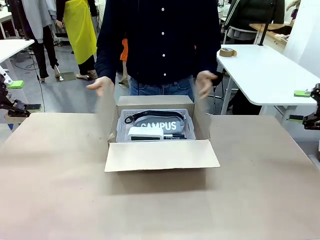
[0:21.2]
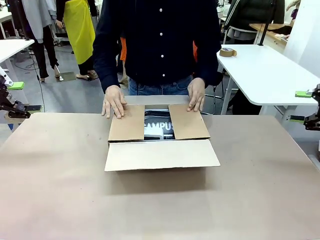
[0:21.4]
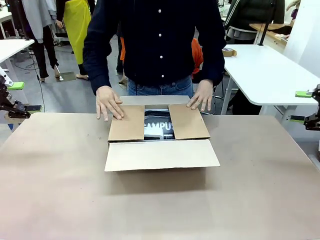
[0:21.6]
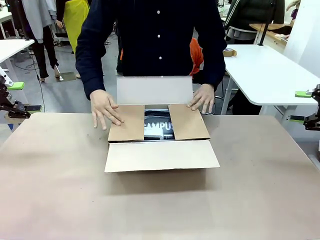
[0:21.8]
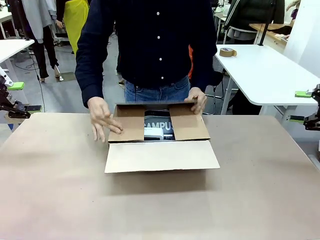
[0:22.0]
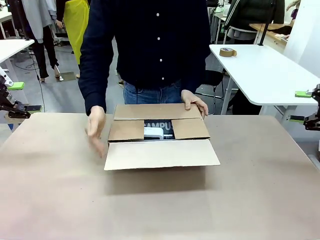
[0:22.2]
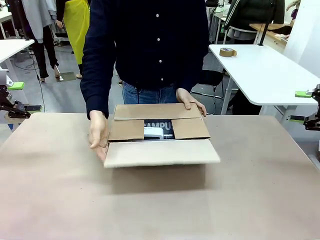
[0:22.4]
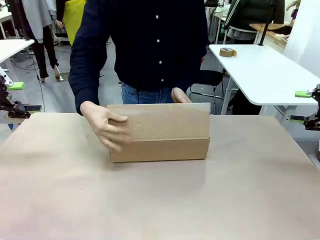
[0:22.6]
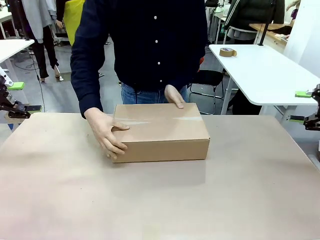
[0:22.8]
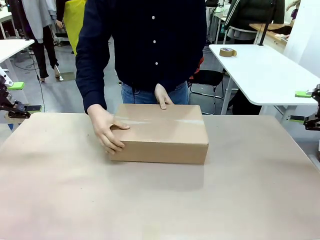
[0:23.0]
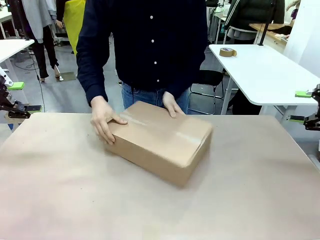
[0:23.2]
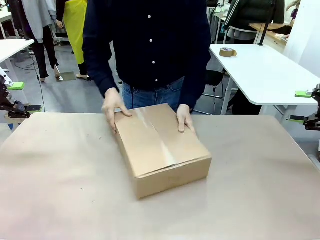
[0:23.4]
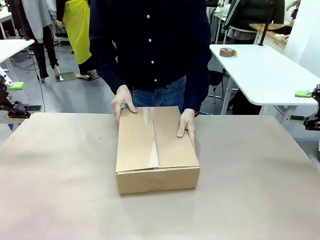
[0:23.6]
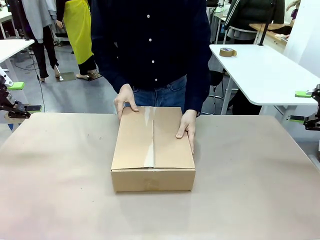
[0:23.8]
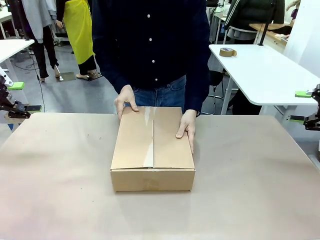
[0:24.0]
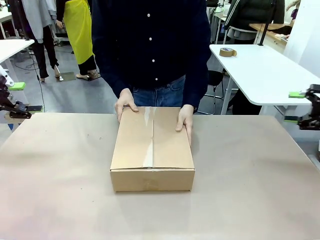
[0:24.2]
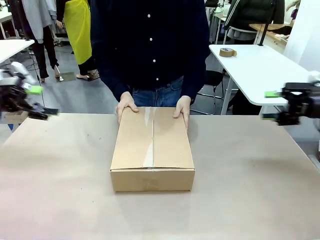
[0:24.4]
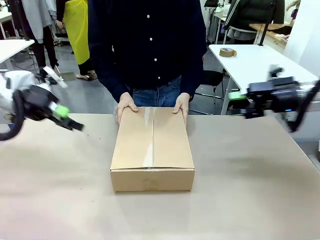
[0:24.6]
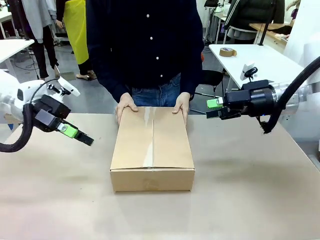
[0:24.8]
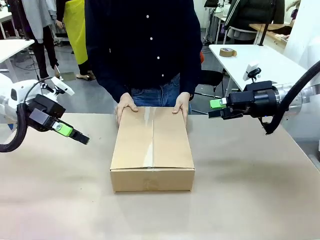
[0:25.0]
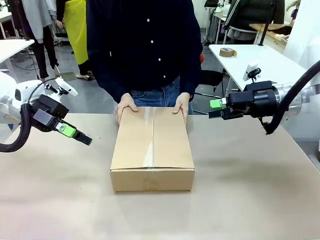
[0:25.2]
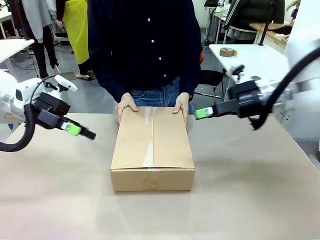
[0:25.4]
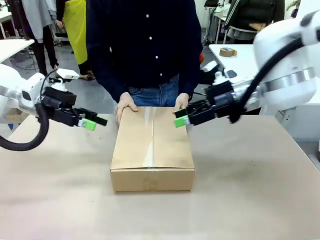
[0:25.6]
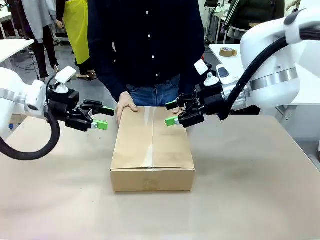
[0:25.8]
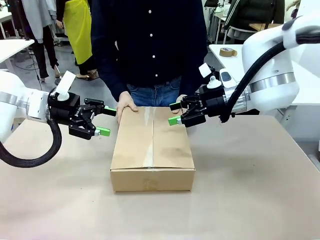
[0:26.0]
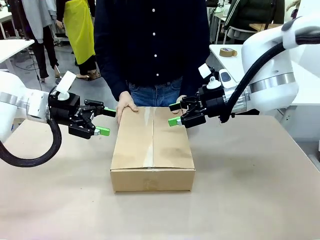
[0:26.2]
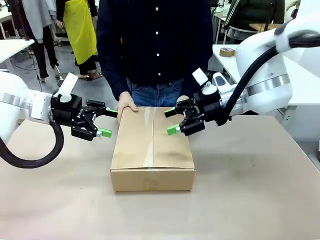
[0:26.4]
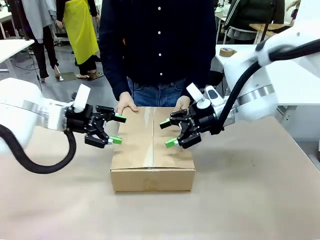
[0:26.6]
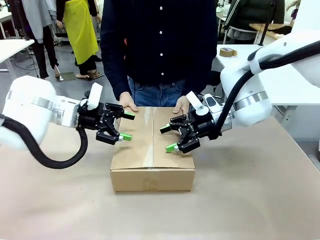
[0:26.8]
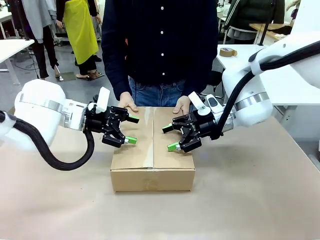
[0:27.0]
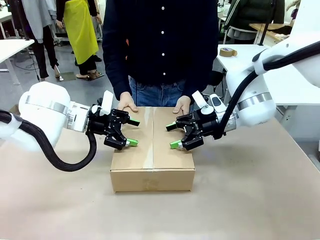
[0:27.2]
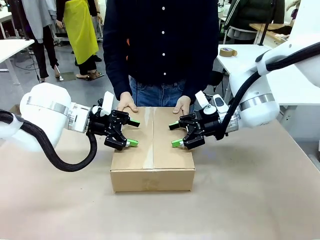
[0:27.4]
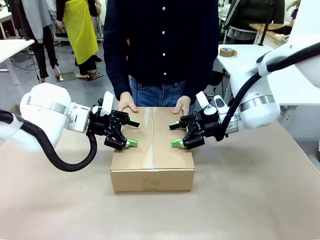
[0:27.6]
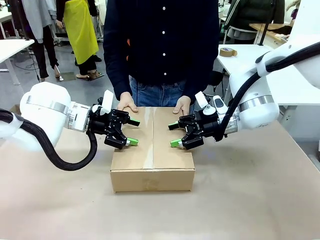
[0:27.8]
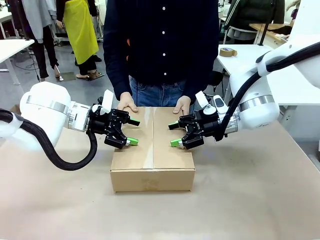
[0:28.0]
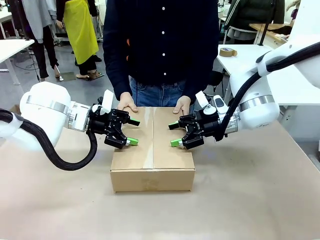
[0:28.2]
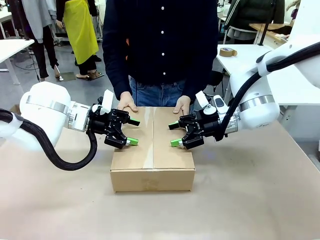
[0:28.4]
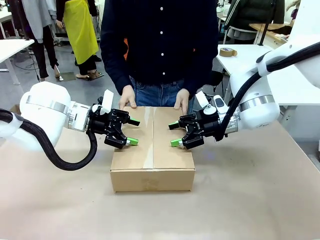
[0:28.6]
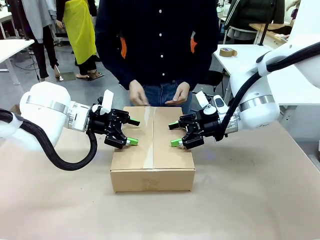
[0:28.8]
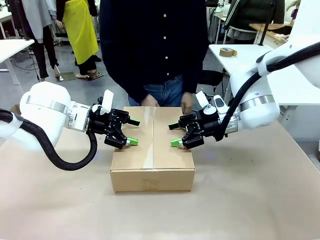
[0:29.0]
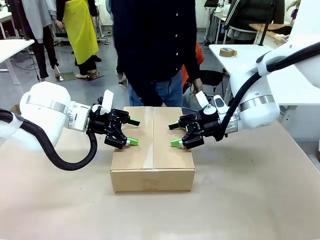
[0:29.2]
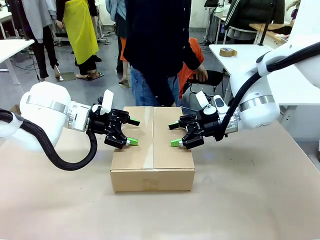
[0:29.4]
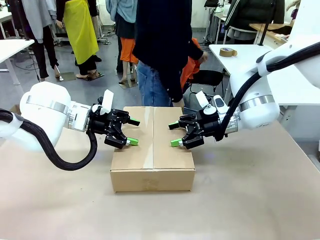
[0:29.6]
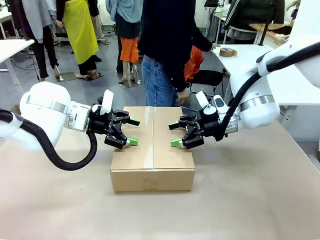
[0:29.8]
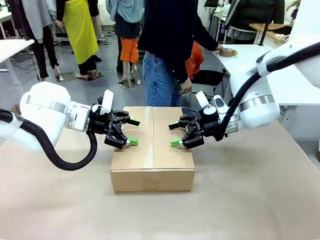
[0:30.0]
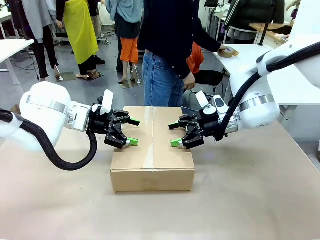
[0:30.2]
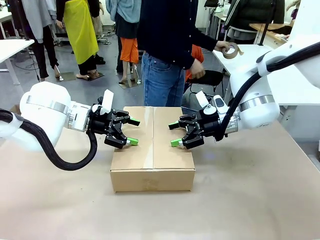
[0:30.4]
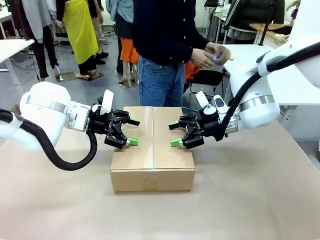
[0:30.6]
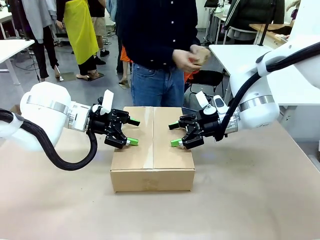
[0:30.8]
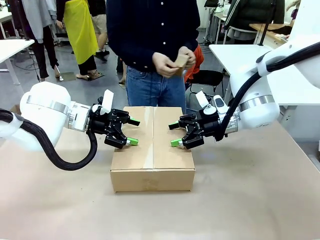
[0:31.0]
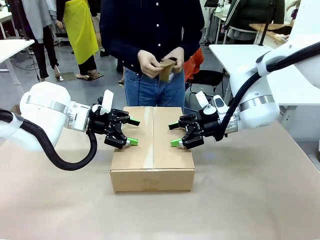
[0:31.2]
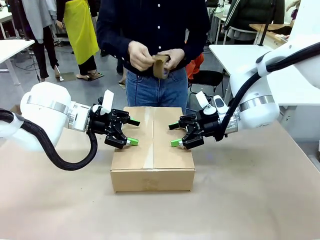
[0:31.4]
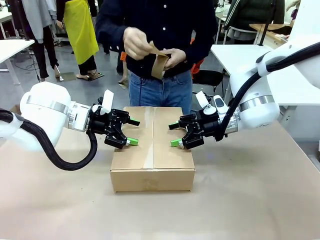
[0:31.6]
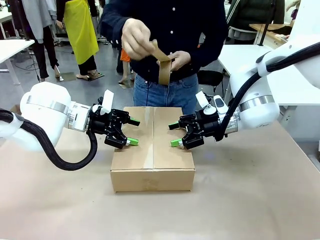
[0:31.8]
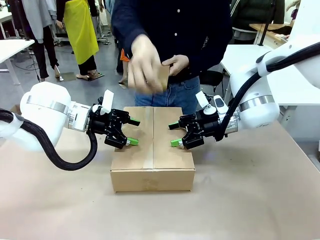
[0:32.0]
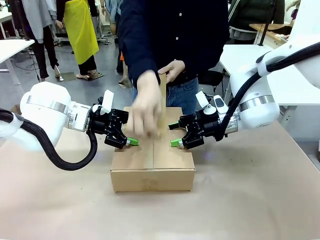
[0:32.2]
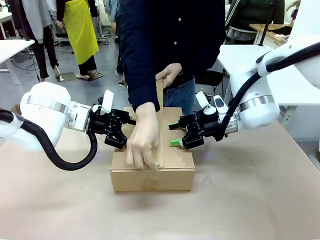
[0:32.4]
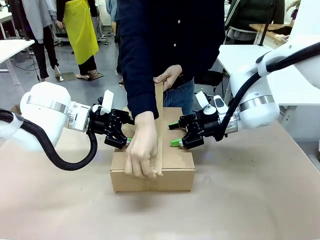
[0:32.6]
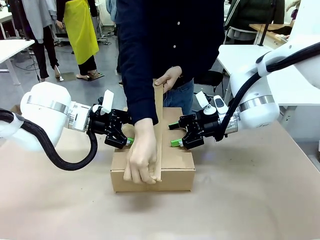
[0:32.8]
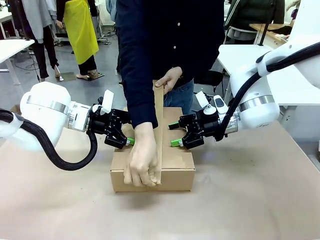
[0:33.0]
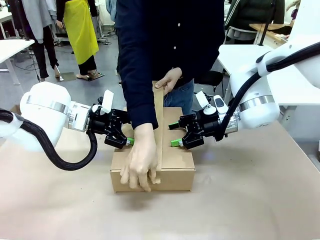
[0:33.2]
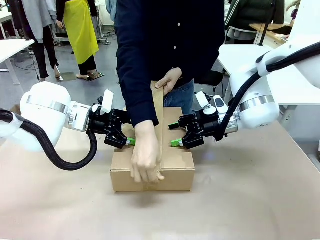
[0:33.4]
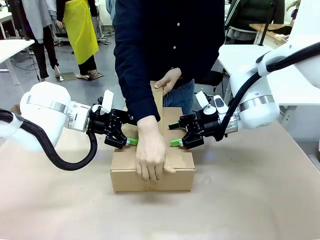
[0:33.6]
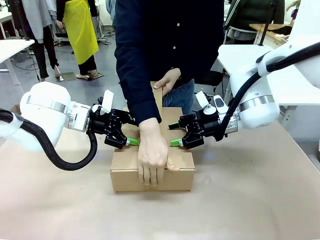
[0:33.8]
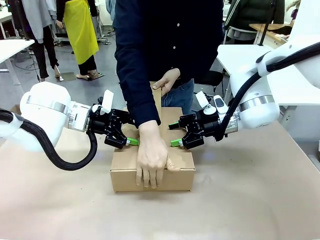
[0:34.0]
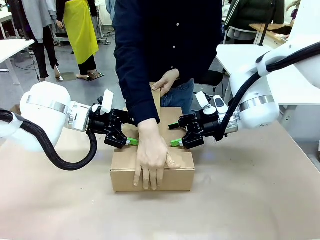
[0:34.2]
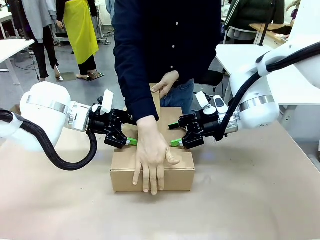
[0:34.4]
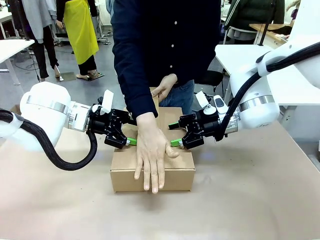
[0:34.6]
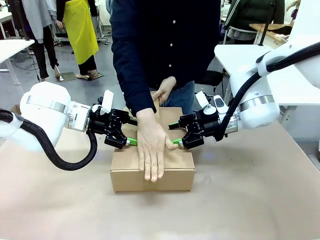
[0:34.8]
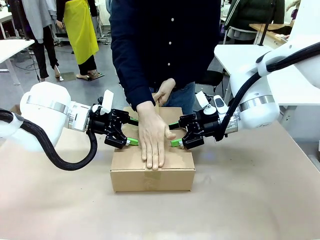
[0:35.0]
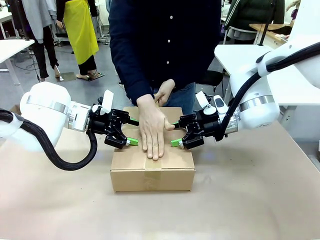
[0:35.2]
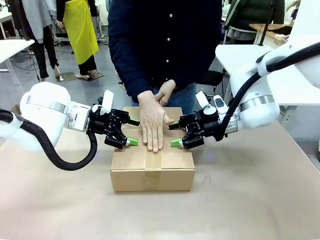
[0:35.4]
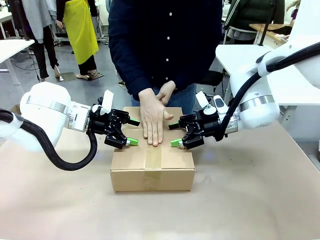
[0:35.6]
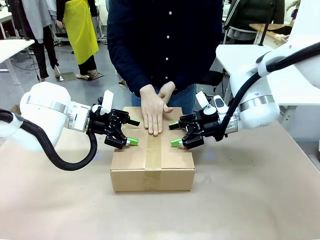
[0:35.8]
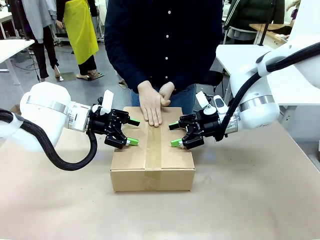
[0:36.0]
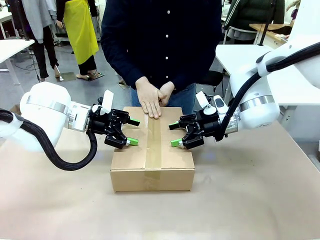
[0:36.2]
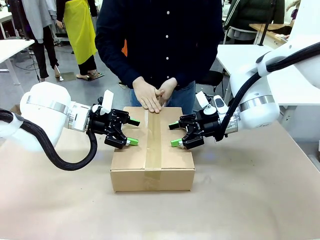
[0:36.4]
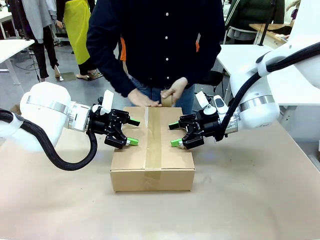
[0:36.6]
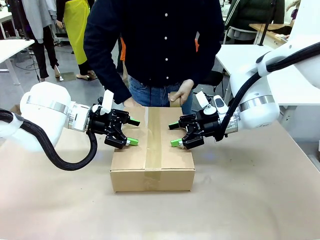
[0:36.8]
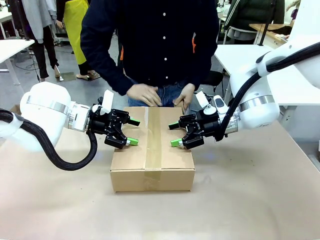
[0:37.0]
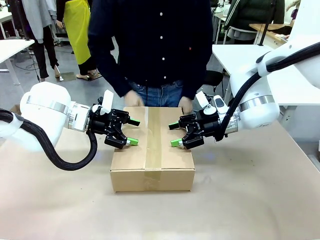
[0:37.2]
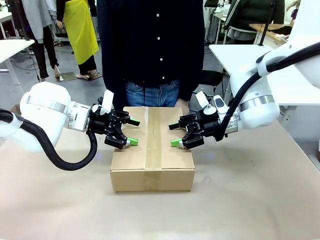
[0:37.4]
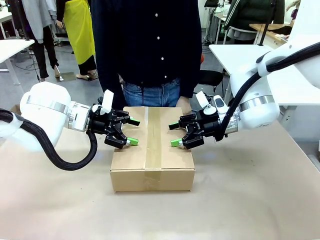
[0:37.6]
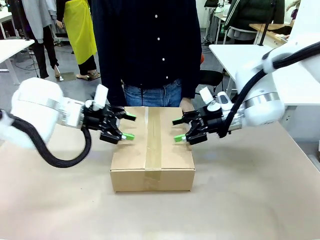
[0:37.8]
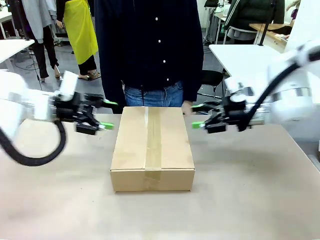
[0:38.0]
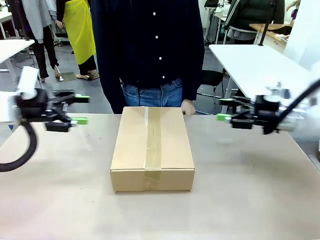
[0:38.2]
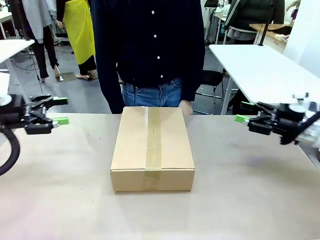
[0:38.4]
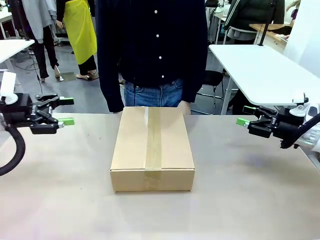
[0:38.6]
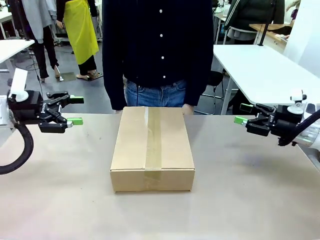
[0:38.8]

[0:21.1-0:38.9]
Task: Pack the gift set into the box.
Robot: Press and hold the closed box until the human finishes sealing it.
Person: The human closes the box and rotates the box by 90 degrees. The human picks up the paper tape from the human table and packs the box.
